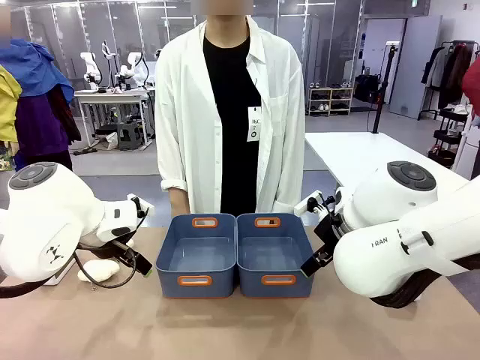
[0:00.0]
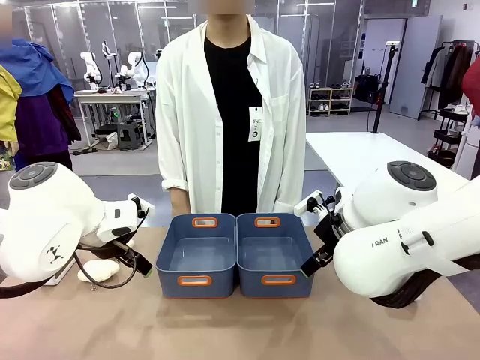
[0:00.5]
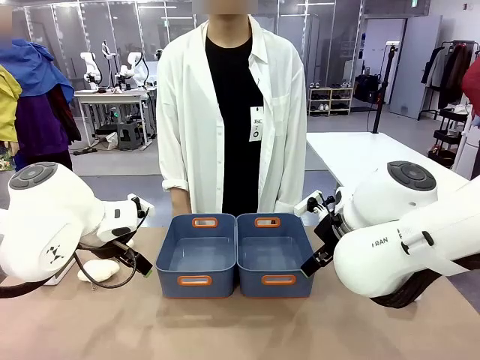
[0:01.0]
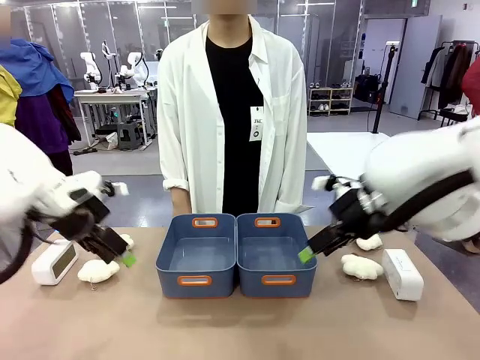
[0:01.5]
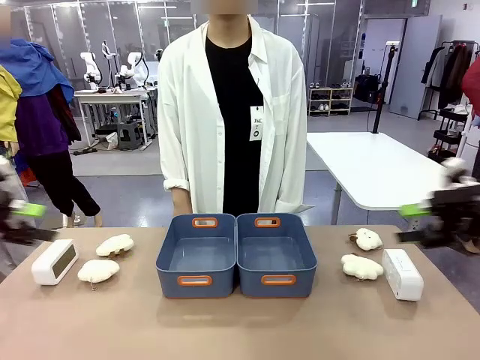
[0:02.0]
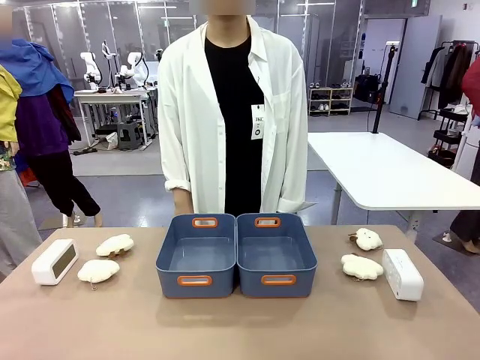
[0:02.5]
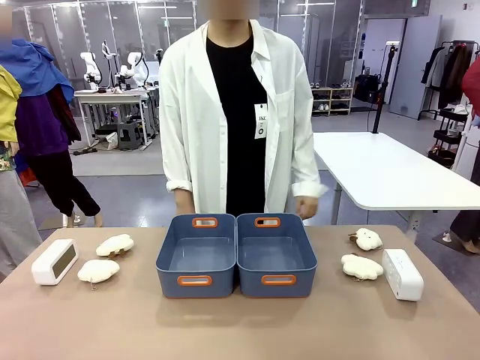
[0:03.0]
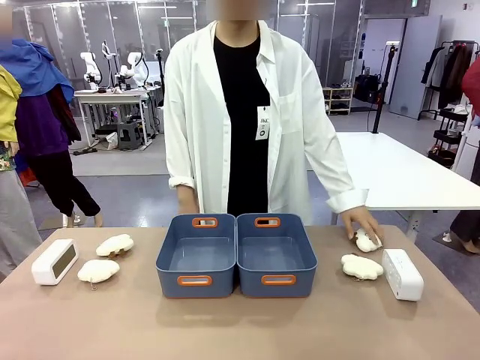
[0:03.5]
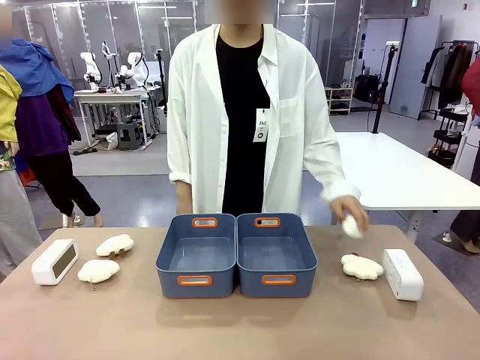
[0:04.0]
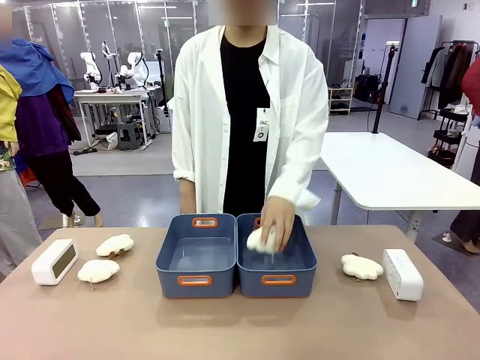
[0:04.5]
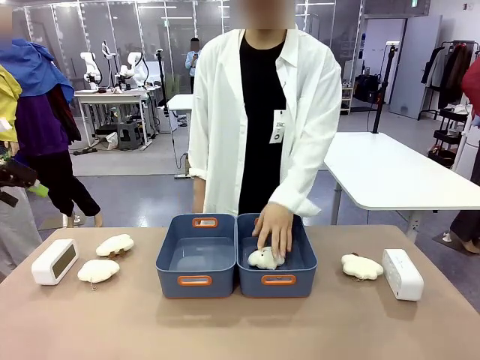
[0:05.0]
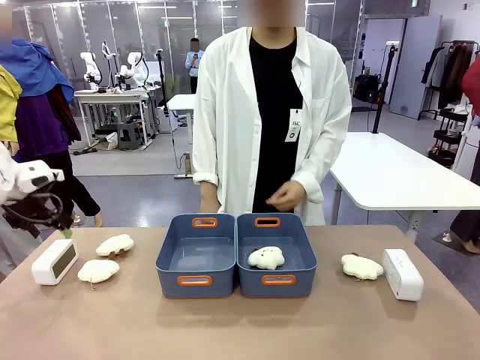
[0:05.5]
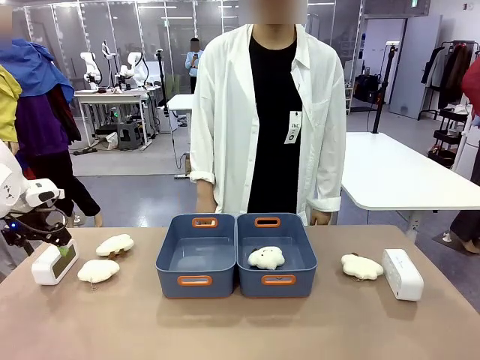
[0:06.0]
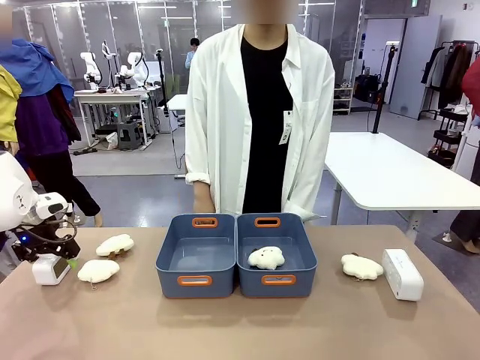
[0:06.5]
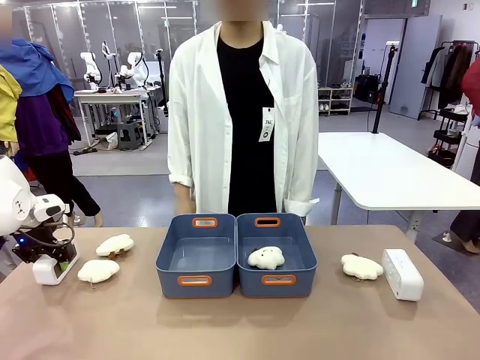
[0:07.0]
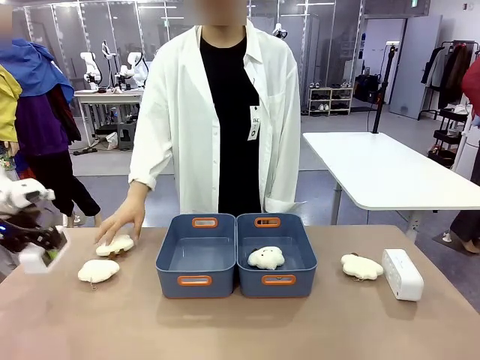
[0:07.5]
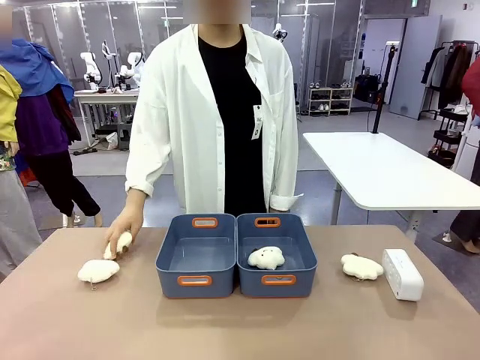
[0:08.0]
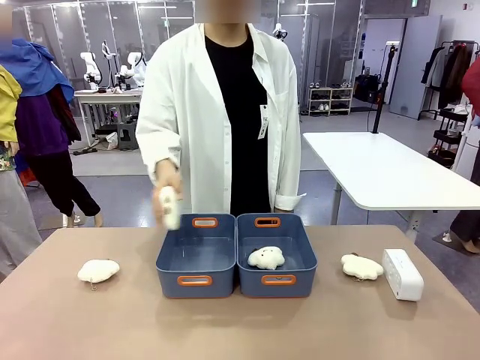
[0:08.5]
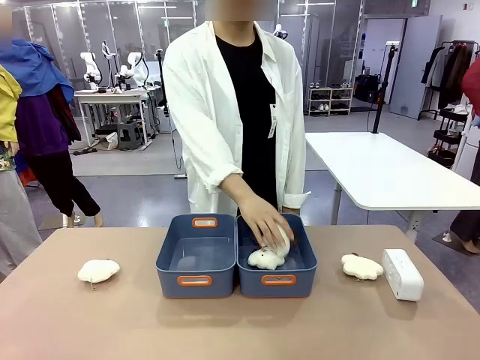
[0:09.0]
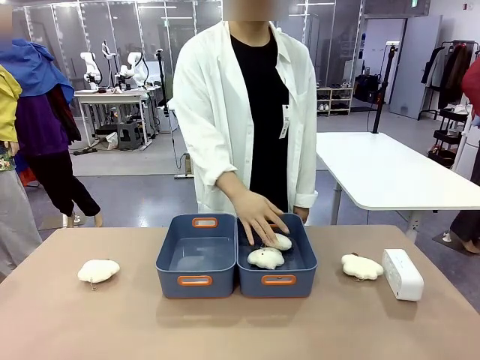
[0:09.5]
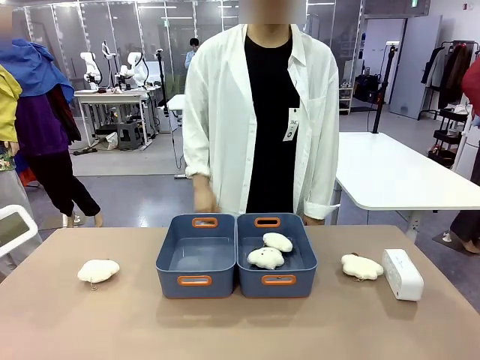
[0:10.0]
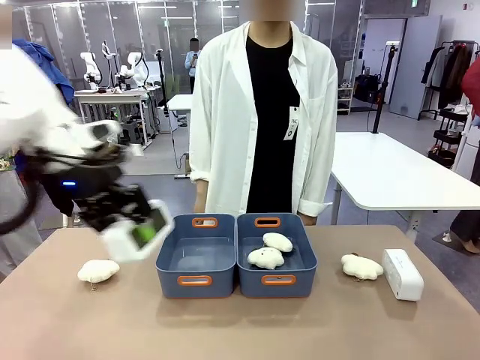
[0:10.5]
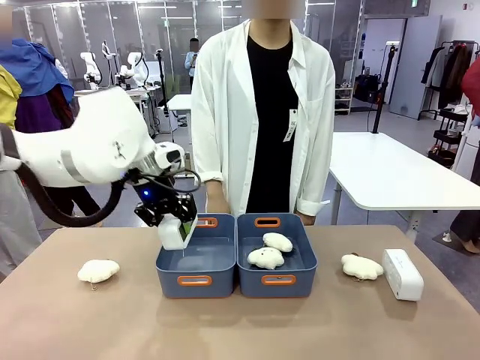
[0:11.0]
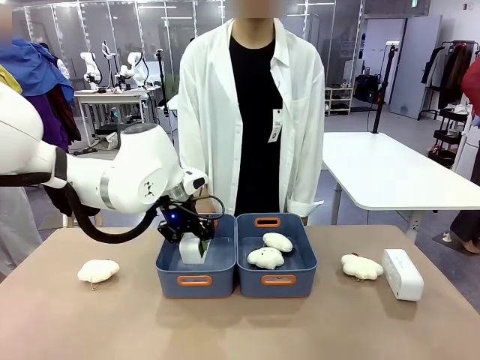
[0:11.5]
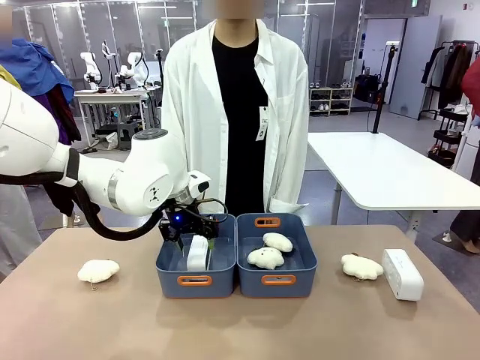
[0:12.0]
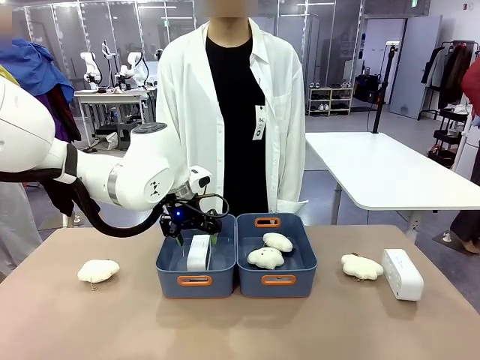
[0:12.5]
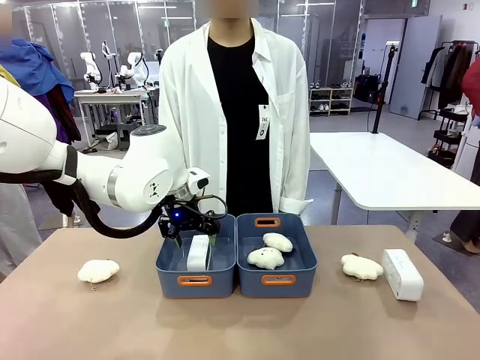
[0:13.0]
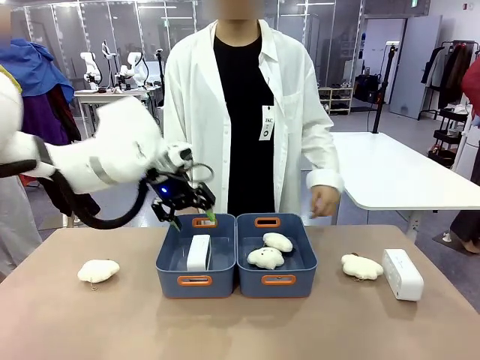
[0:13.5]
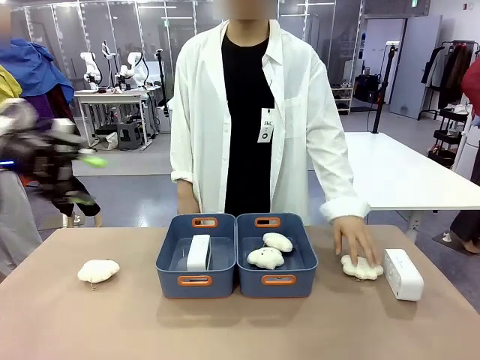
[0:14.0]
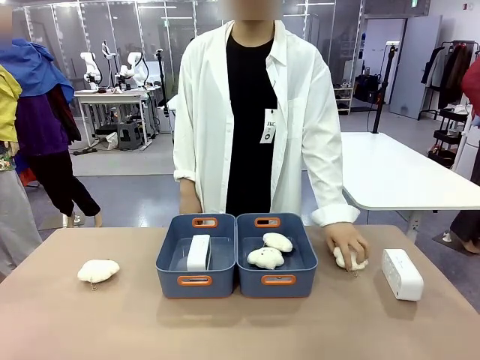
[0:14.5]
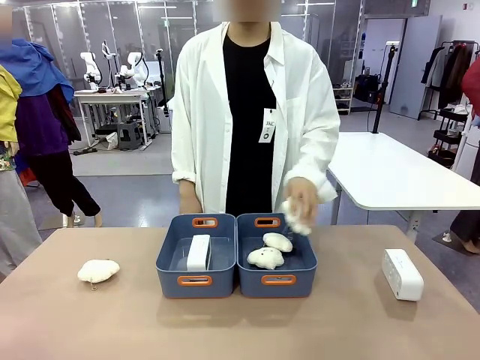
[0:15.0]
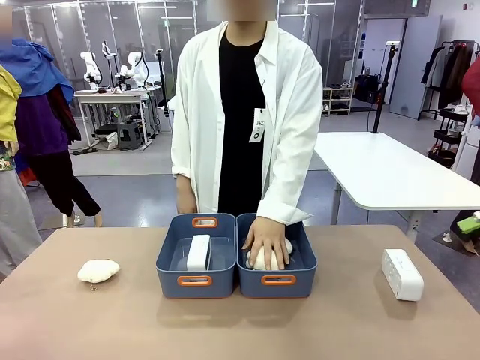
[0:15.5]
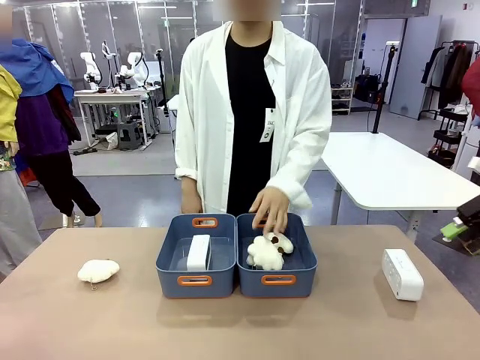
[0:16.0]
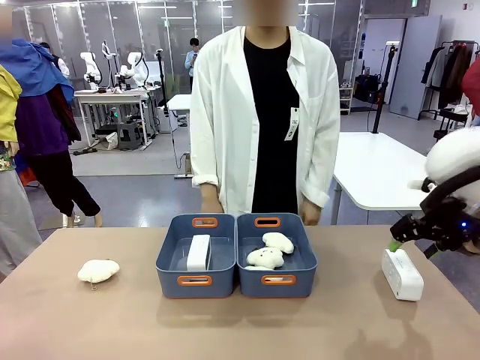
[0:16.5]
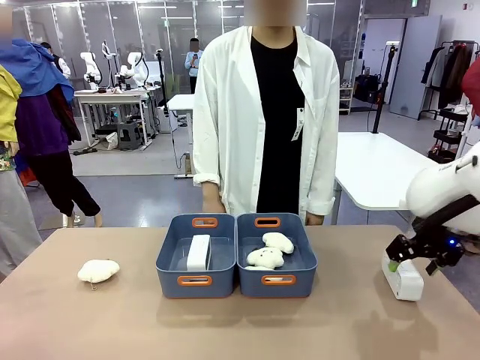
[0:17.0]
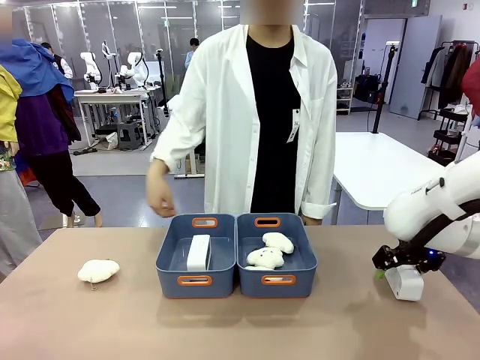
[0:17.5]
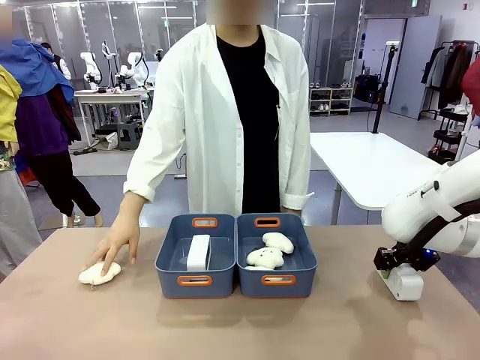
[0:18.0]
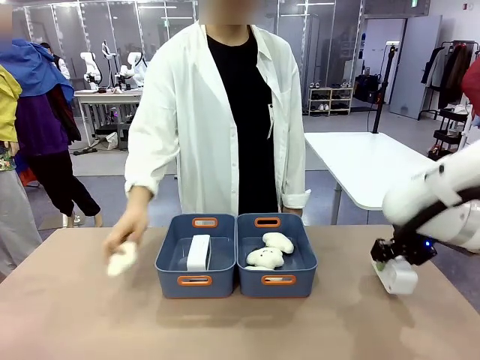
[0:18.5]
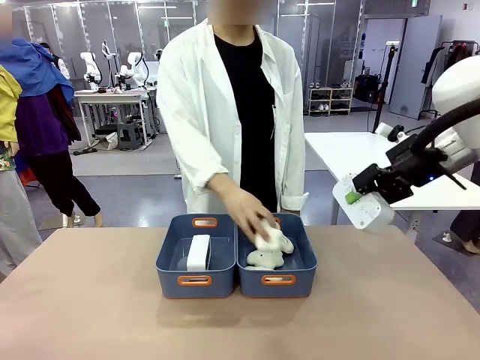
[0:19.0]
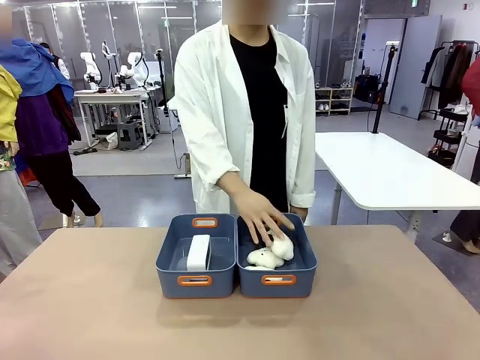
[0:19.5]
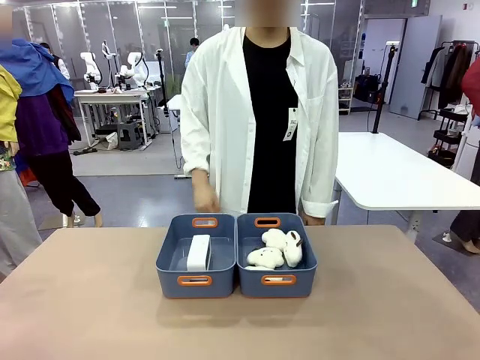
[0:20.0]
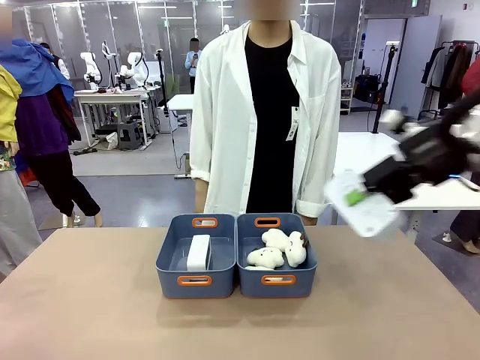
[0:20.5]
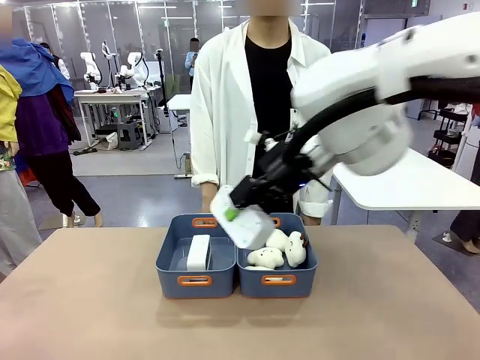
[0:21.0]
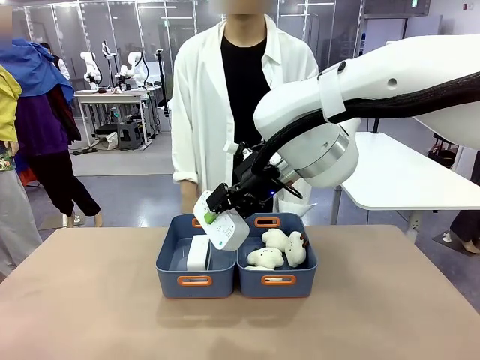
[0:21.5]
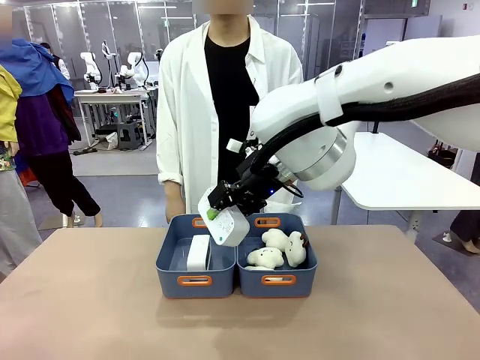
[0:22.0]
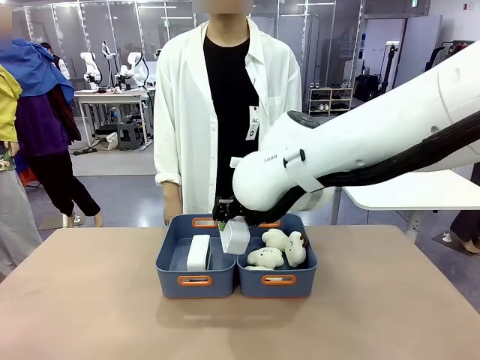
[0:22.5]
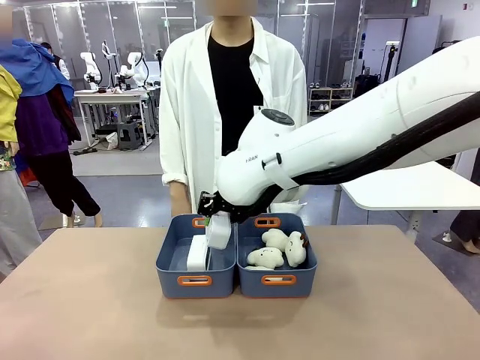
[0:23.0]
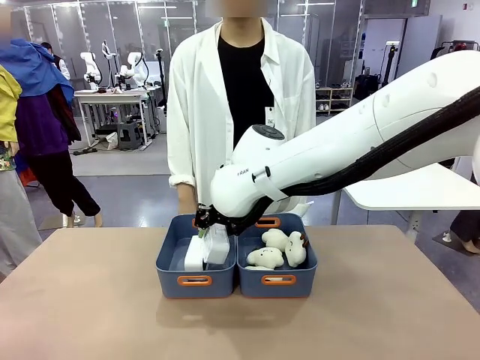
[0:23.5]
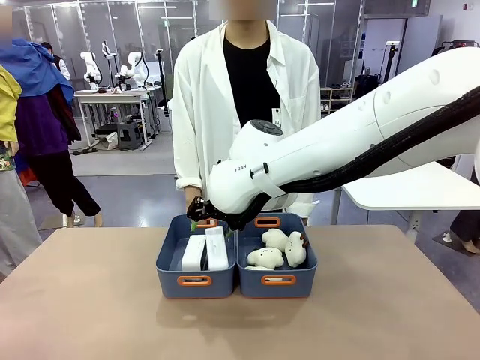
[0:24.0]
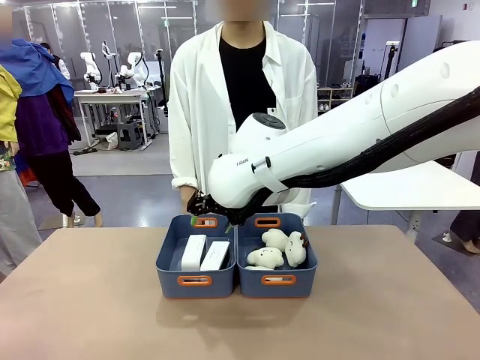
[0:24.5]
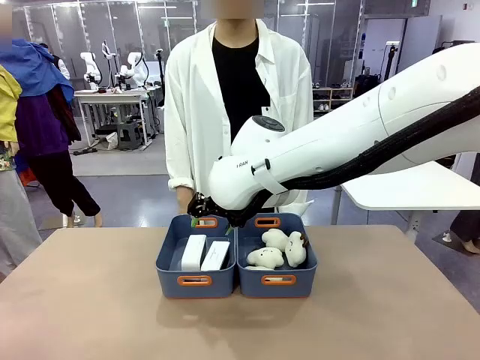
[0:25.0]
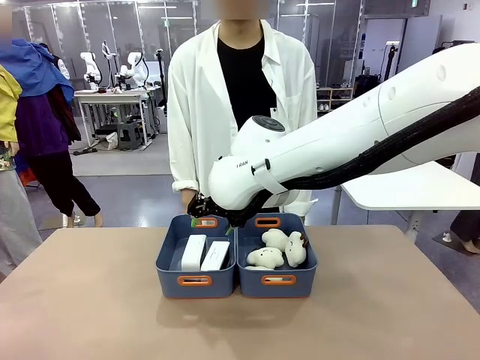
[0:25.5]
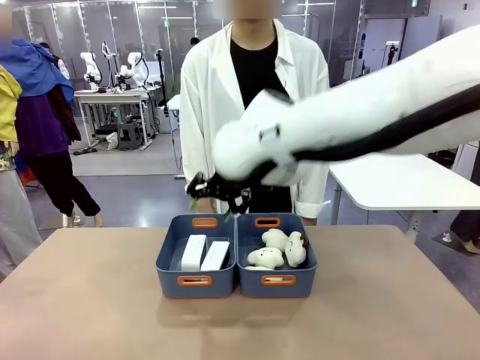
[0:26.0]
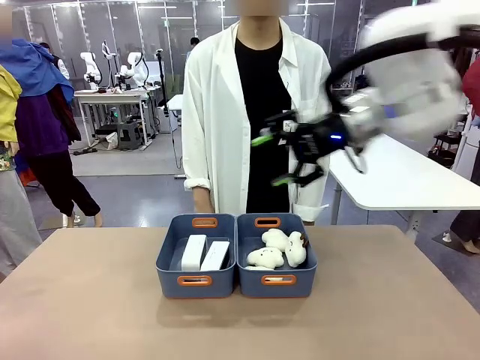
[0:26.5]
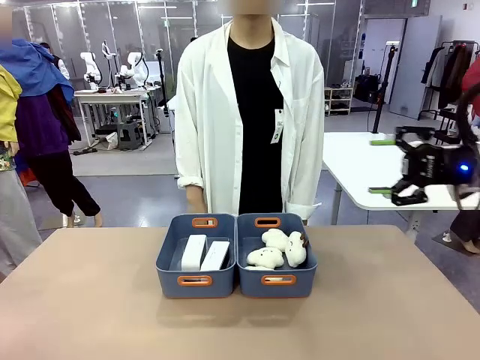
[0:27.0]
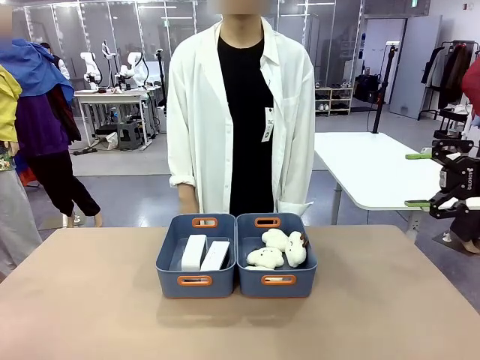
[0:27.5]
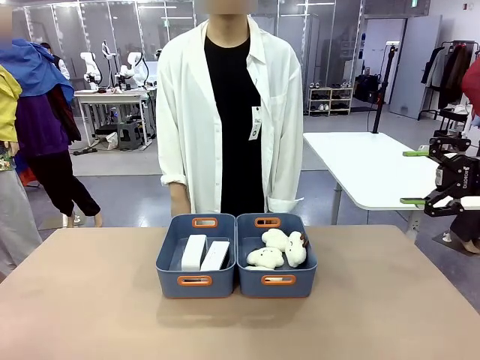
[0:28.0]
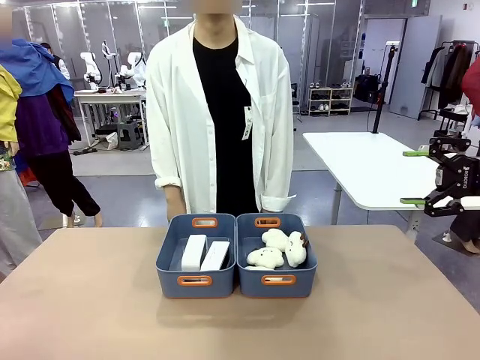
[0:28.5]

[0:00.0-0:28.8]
Task: Sort the digital clocks into the basket.
Robot: Pick up the Digital clock from the table and place it into the empty Plastic storage basket.
Person: Pick up a plush toy from the table and place it in a plastic storage basket. Pick up a plush toy from the table and place it in the plastic storage basket containing the plush toy.
